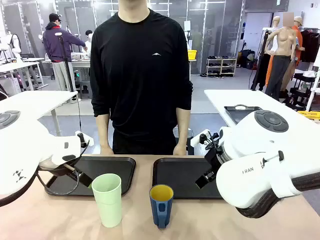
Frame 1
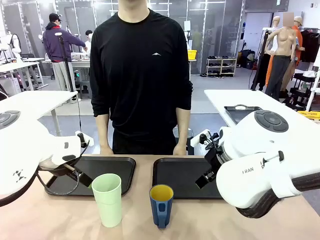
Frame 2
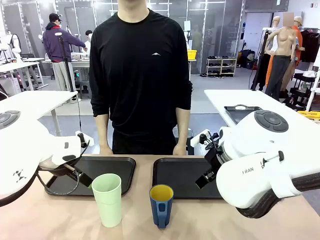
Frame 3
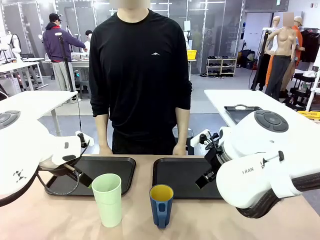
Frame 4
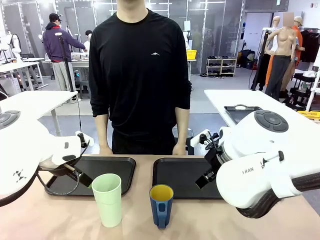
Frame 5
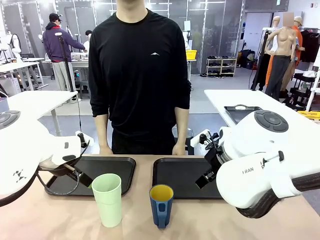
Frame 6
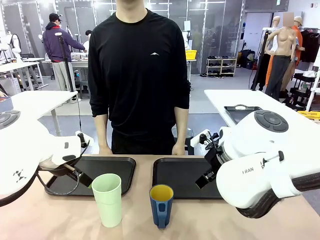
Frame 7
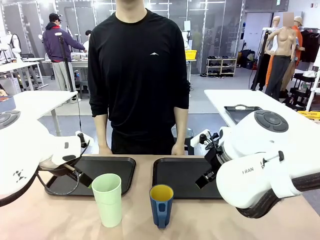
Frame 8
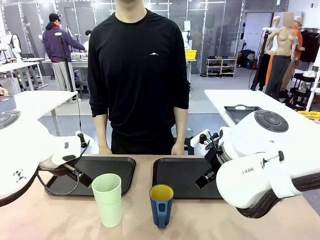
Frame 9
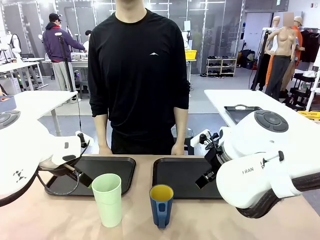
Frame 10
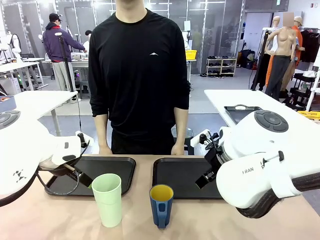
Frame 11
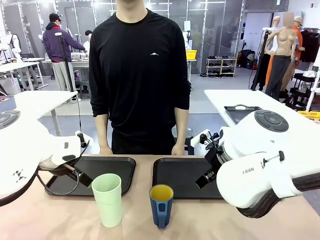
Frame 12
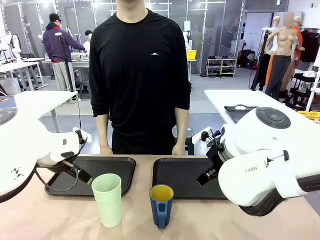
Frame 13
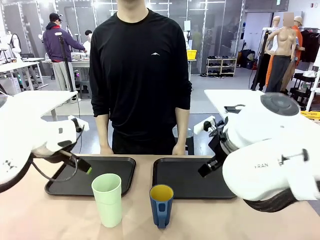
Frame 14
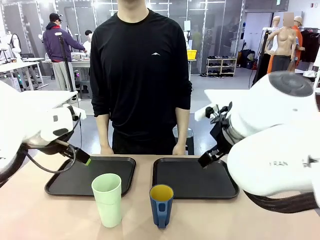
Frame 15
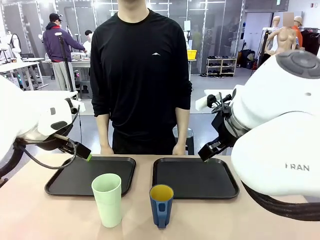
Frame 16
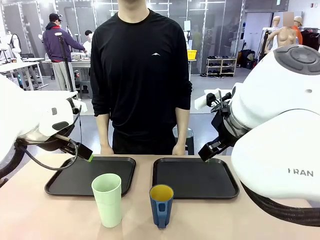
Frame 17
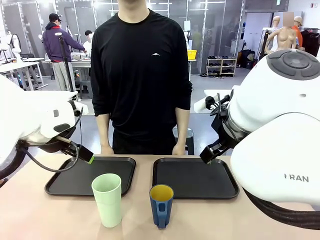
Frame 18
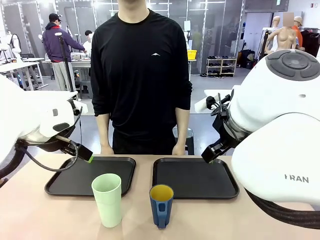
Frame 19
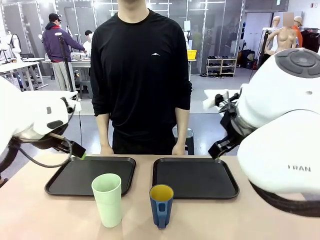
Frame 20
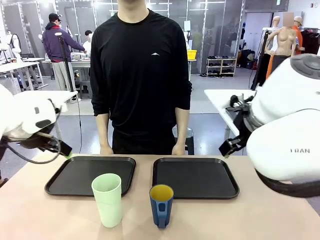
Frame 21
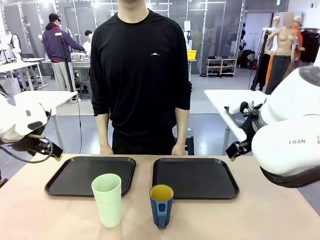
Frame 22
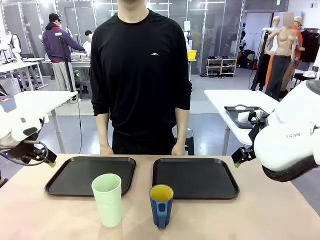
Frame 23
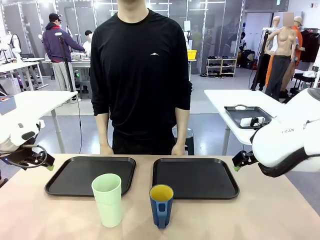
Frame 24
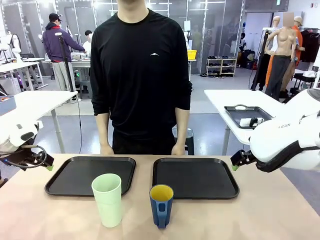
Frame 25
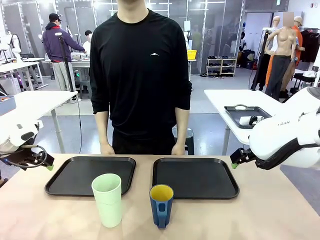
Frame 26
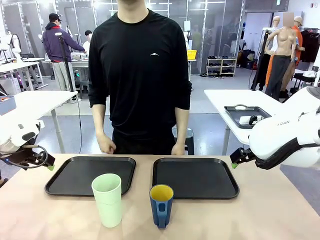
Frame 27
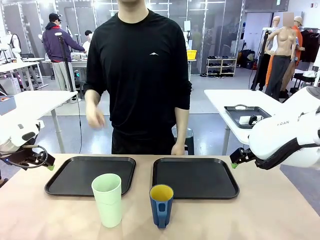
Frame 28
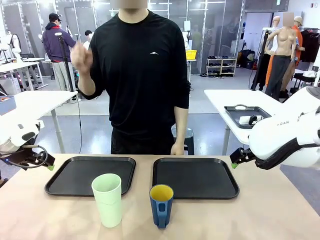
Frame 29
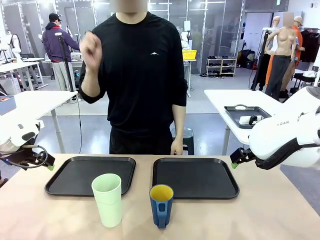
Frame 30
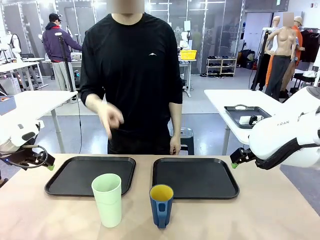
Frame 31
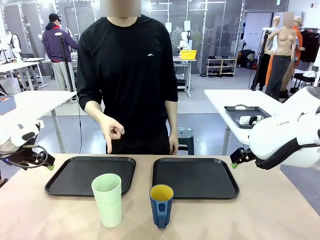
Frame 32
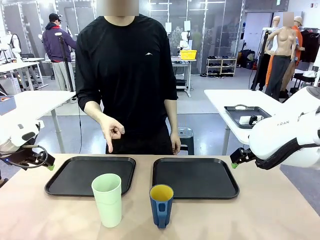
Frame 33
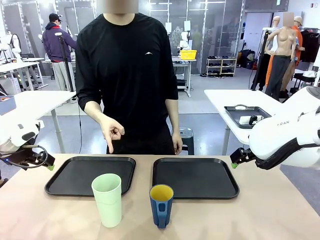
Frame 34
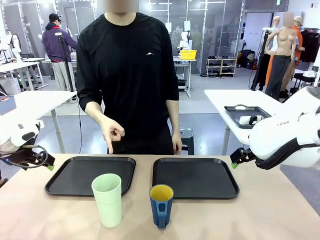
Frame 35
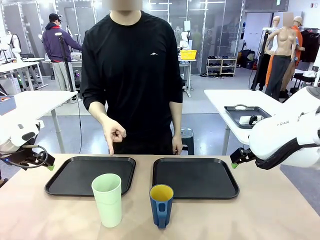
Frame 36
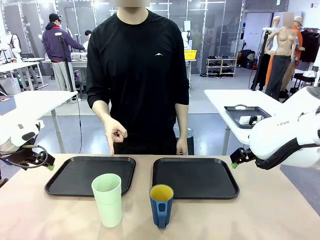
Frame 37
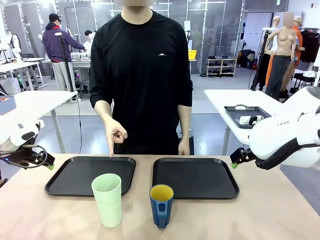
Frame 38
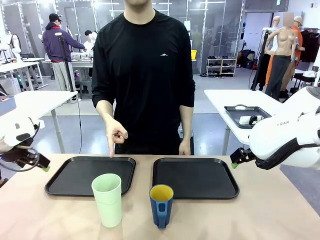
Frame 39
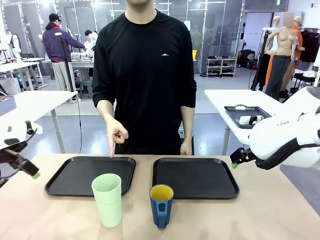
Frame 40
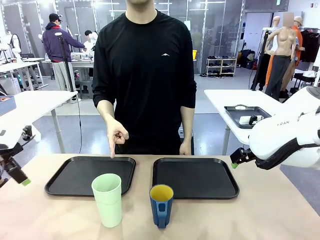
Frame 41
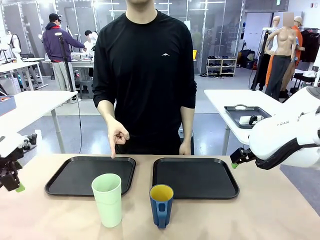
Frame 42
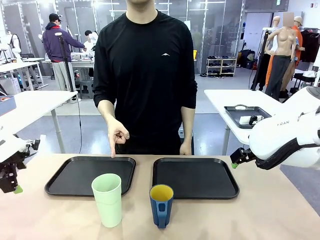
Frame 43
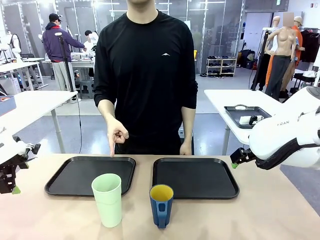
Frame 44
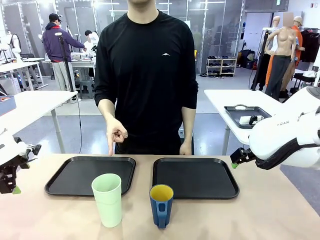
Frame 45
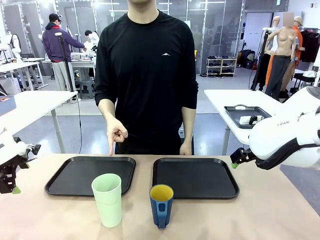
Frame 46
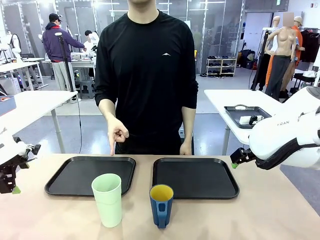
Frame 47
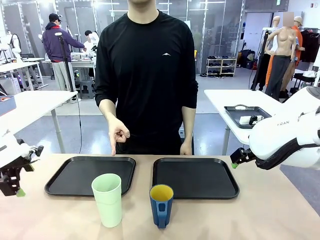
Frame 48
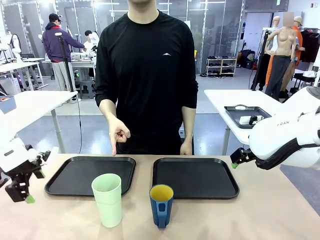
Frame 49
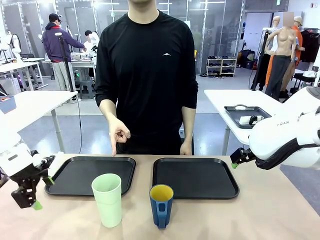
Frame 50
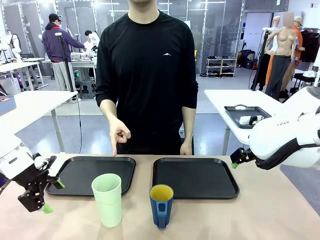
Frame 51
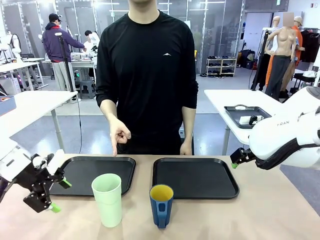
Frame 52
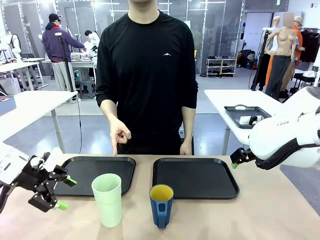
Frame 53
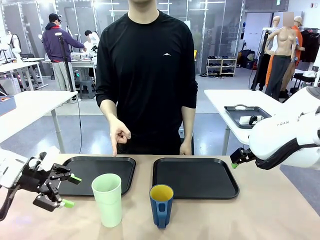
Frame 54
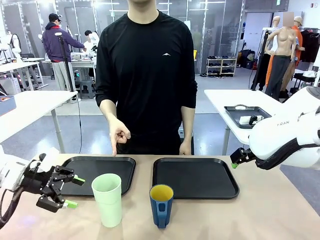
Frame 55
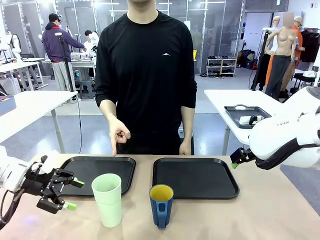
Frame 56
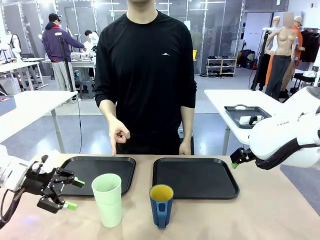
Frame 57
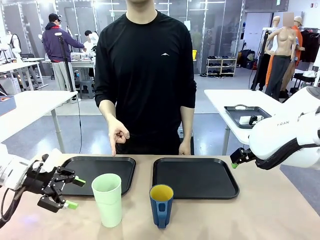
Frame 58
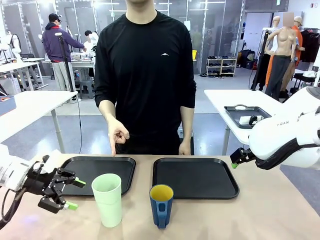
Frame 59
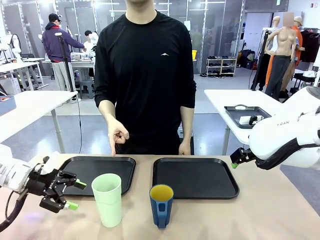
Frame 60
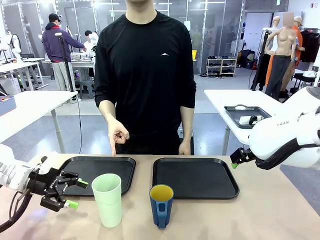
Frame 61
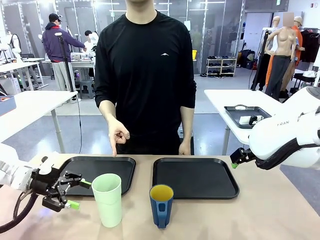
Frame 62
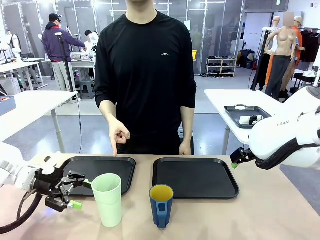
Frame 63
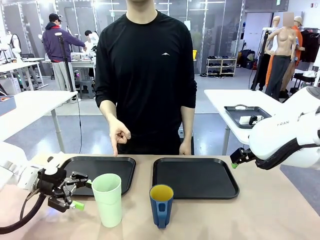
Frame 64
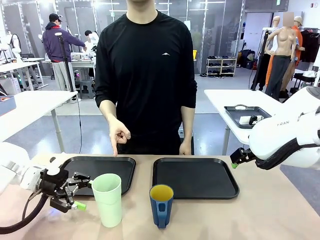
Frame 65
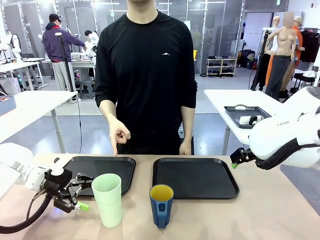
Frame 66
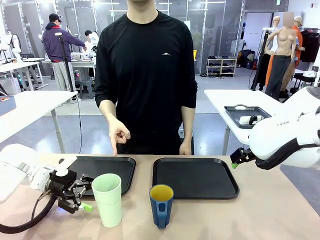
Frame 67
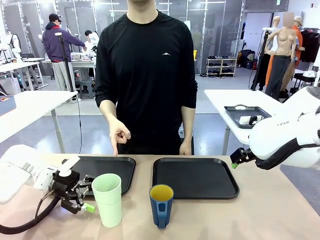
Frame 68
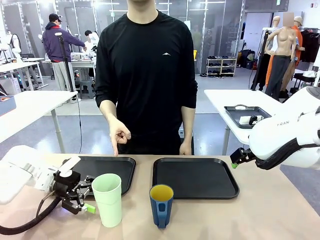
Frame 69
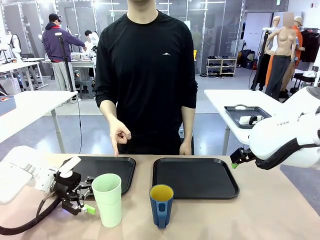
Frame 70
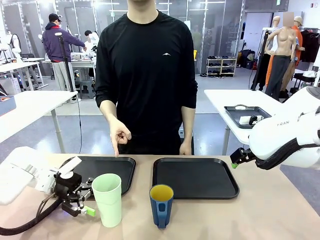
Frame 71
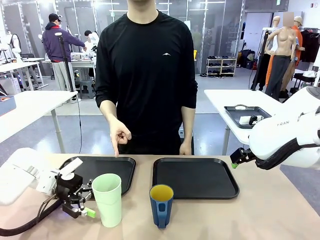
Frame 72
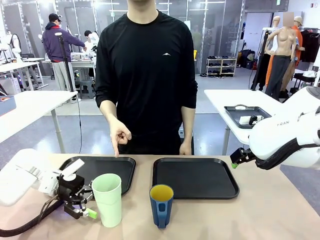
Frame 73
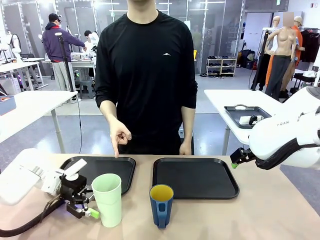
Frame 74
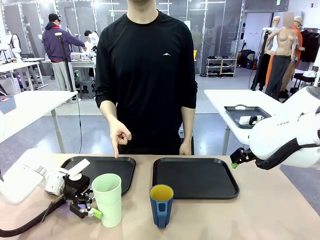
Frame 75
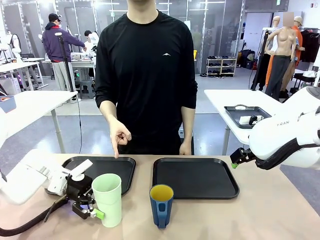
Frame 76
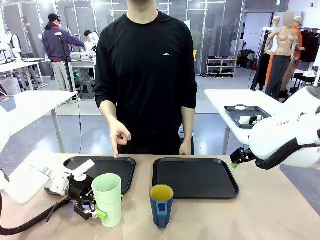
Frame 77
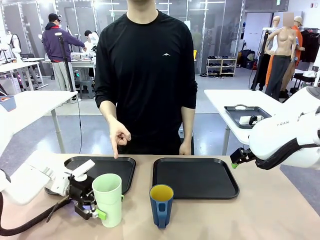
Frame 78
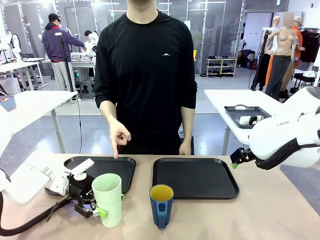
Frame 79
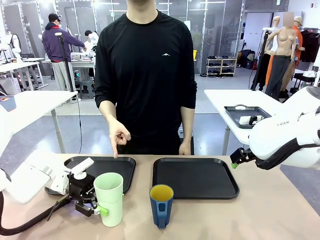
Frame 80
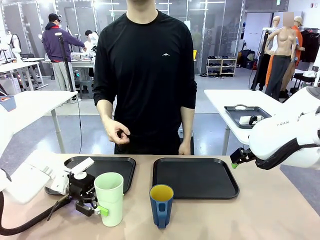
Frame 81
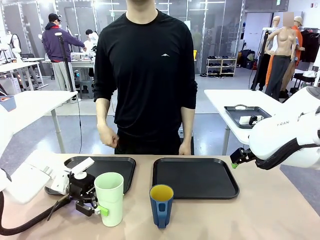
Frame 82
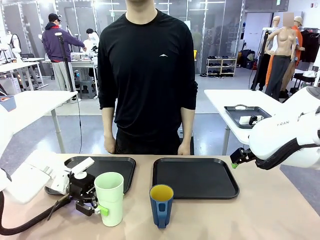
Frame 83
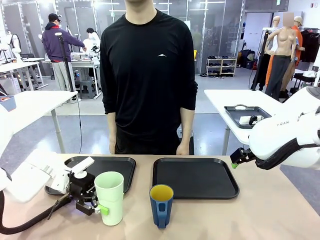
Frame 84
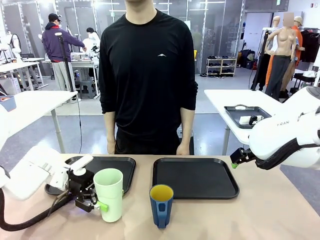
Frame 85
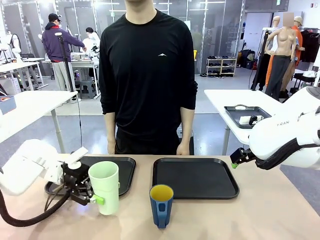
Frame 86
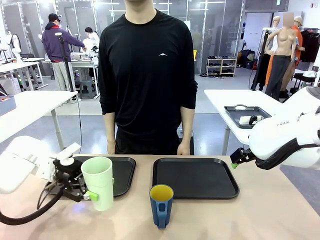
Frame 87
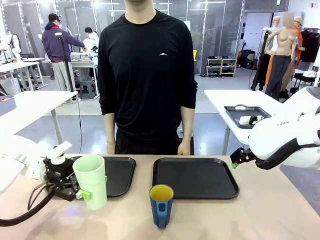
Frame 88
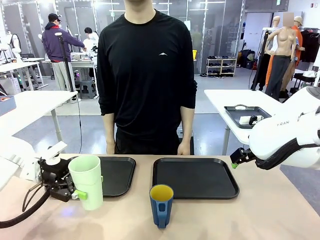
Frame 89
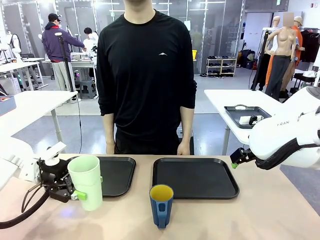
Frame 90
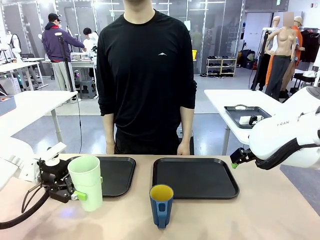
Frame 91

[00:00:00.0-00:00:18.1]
Task: Sort and store the cups by type.
Robot: Pick up the Reusable plastic cup.
Person: Points to the reusable cup. Point to one of the two trays.
